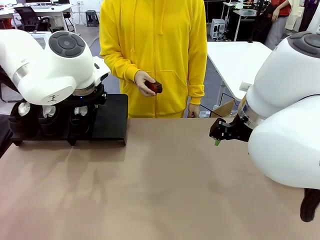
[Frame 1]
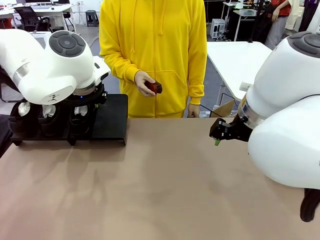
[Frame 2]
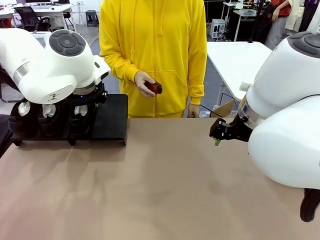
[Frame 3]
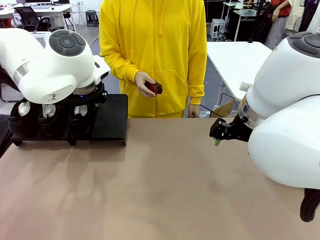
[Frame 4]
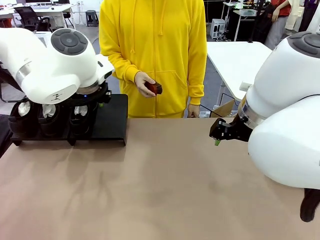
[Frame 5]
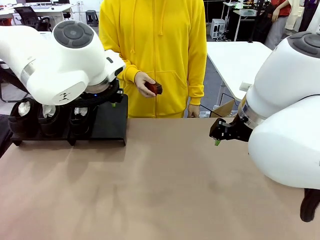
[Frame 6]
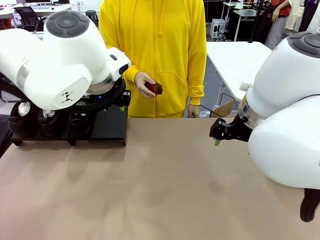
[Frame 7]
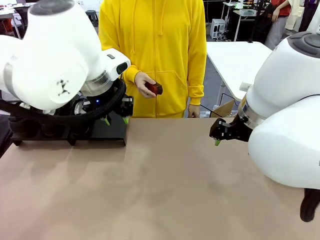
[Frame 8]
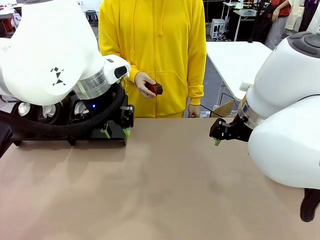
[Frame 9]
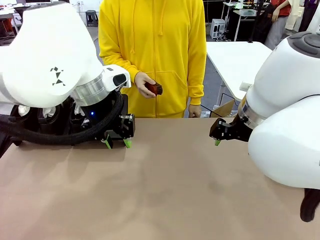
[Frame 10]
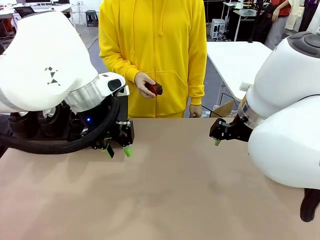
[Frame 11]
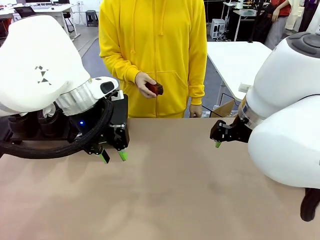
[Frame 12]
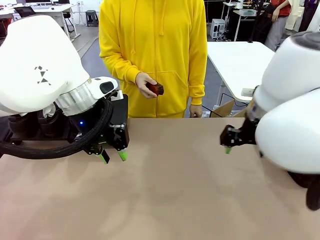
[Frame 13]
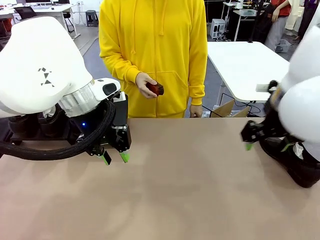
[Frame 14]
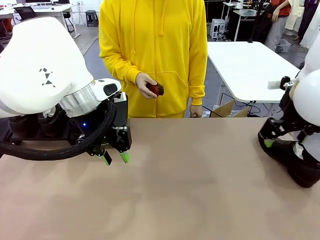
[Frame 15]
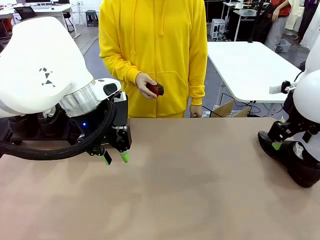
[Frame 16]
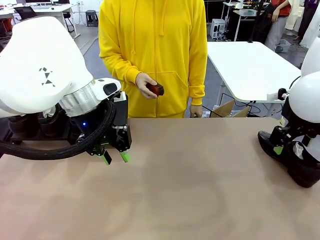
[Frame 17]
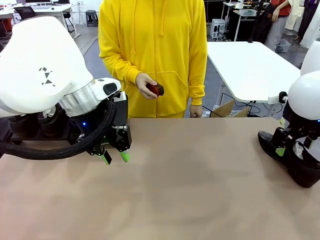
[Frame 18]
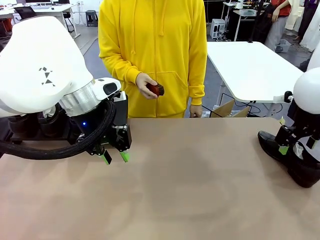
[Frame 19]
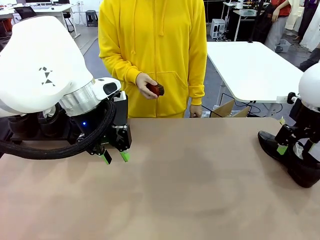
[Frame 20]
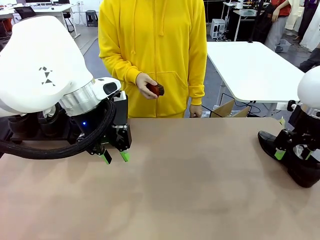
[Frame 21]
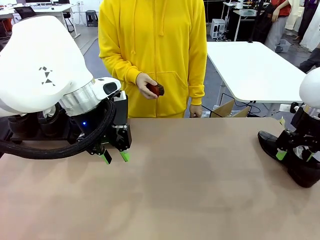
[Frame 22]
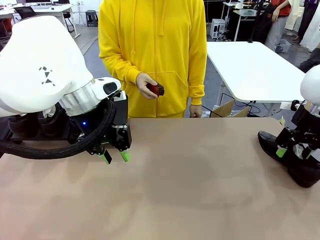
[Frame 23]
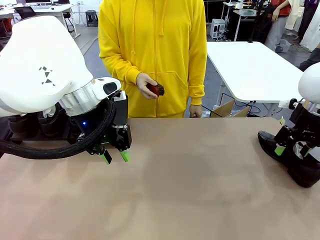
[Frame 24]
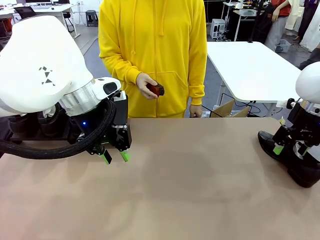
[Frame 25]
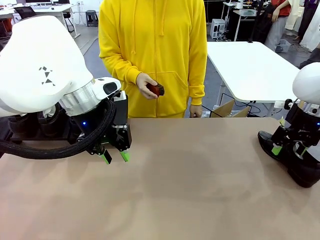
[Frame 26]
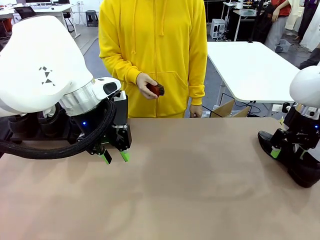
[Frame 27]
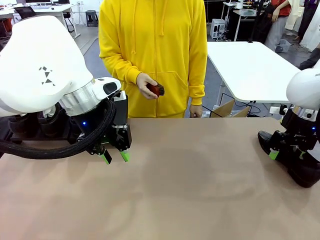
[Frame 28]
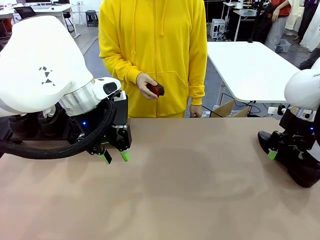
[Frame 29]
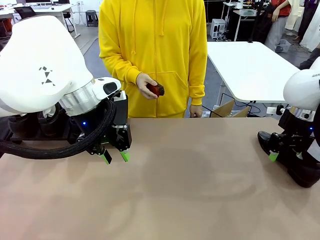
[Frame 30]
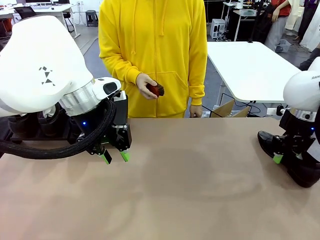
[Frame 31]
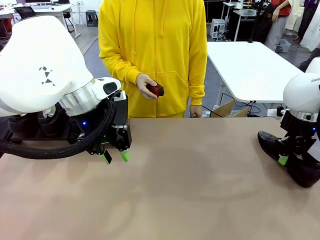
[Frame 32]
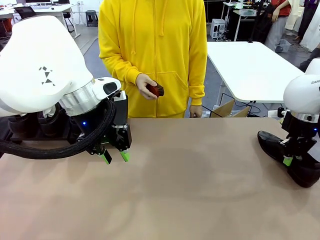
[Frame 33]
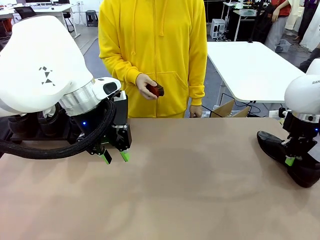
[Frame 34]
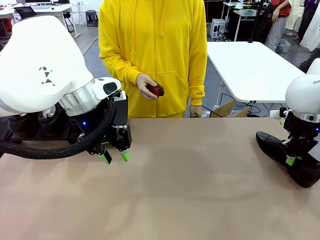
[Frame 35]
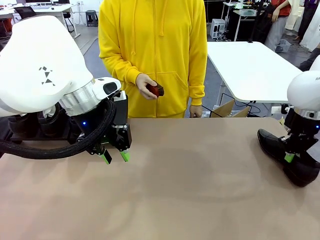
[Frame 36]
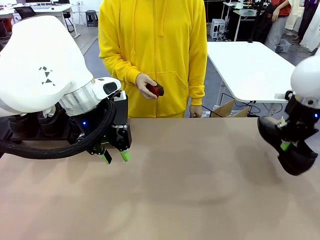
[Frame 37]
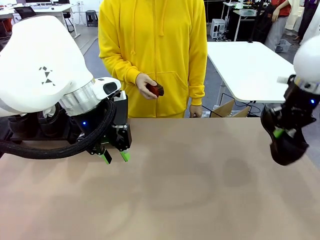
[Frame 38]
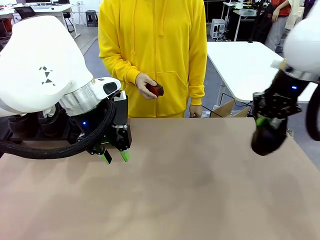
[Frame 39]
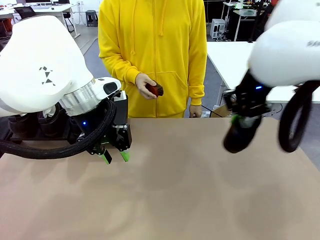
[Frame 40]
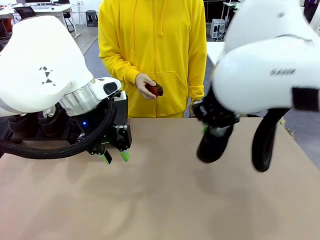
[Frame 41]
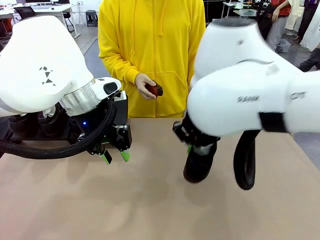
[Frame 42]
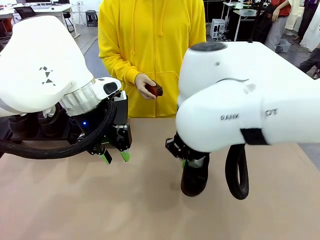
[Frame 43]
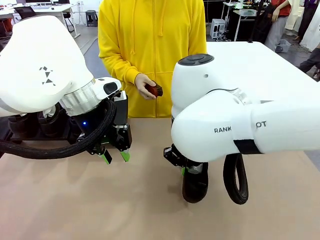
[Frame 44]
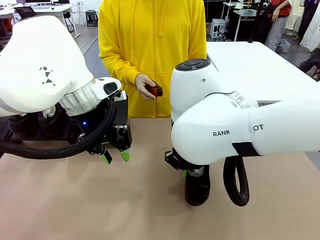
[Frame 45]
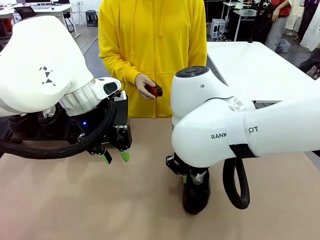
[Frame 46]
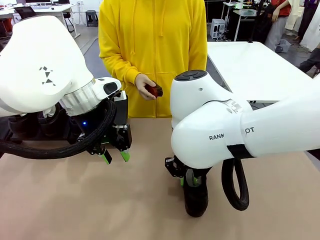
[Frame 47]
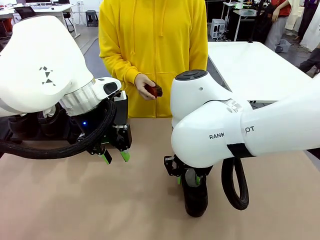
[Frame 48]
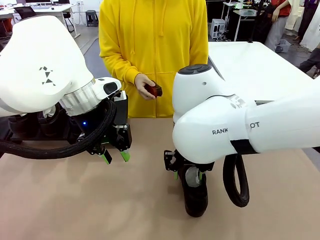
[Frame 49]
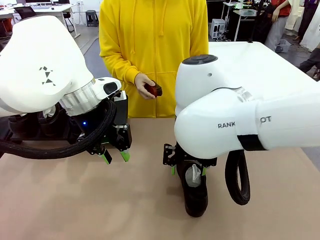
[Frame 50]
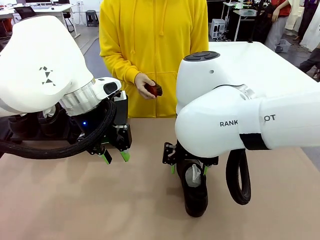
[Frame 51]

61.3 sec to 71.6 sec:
Task: Organize the shoes by placing them on the stand.
Robot: Pick up one Shoe and place it in the middle of the table.

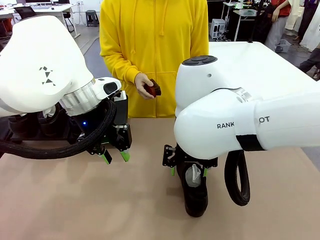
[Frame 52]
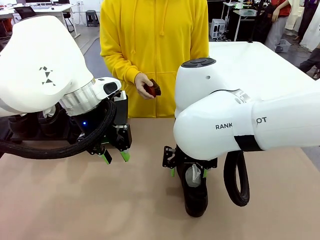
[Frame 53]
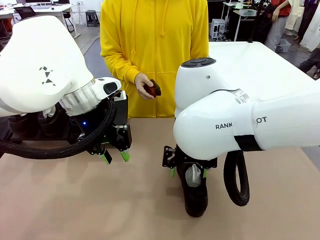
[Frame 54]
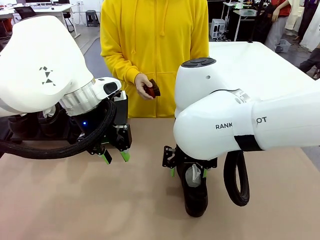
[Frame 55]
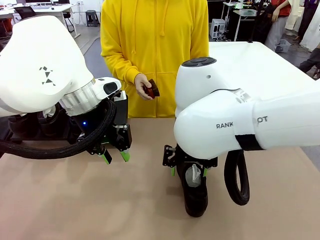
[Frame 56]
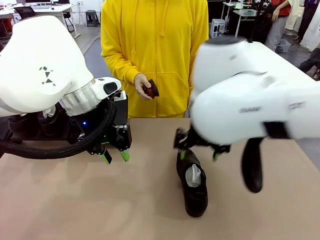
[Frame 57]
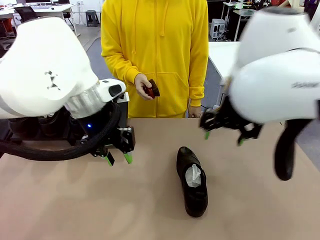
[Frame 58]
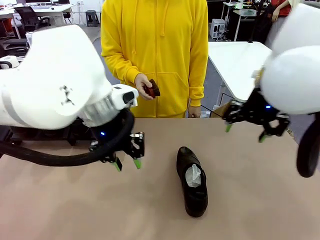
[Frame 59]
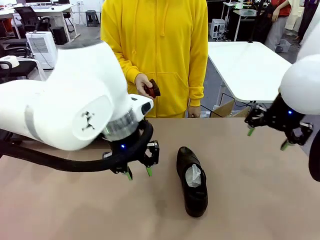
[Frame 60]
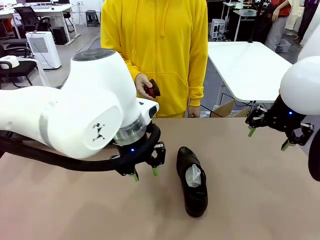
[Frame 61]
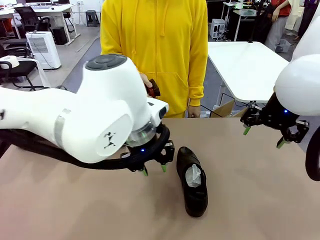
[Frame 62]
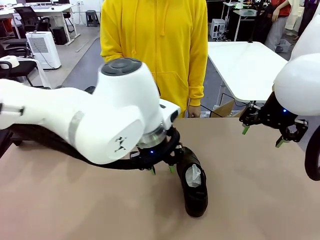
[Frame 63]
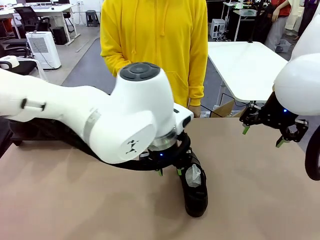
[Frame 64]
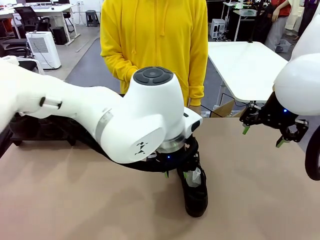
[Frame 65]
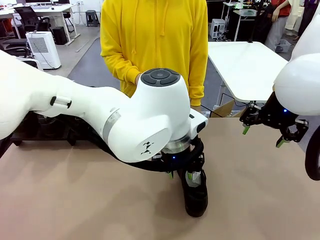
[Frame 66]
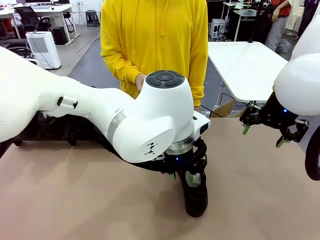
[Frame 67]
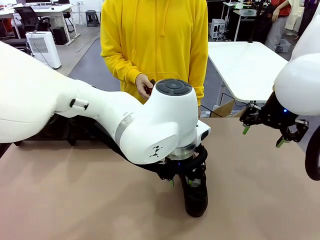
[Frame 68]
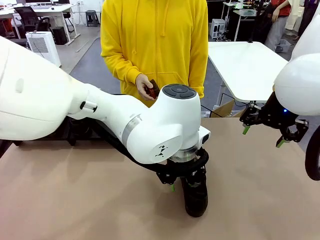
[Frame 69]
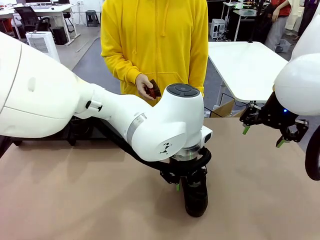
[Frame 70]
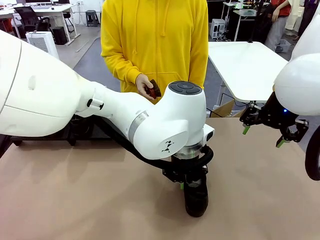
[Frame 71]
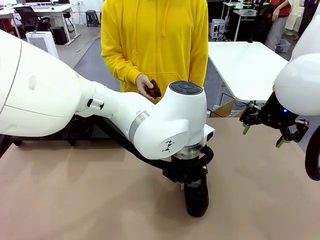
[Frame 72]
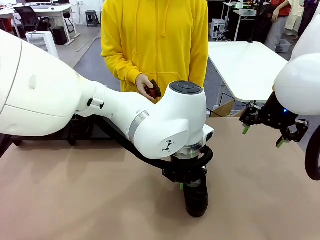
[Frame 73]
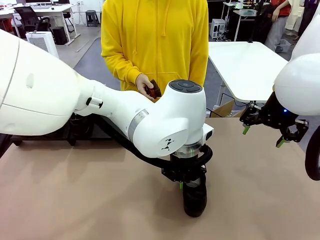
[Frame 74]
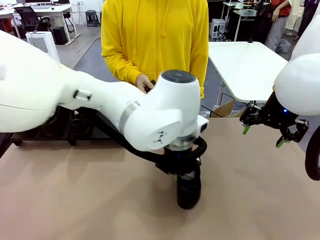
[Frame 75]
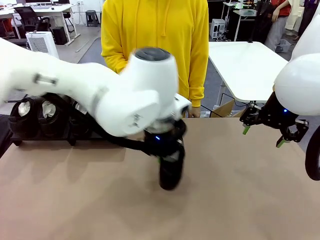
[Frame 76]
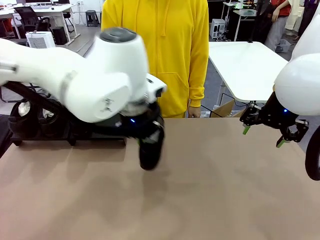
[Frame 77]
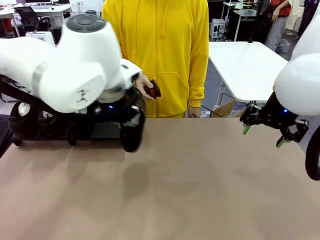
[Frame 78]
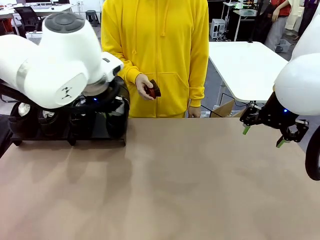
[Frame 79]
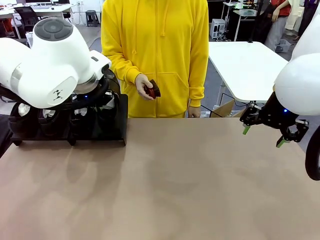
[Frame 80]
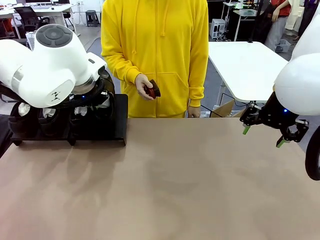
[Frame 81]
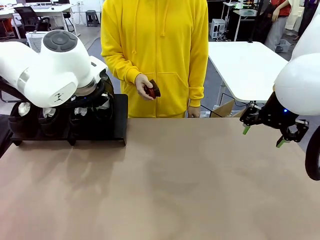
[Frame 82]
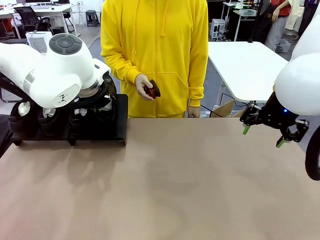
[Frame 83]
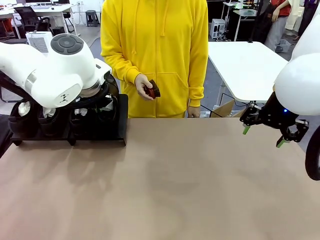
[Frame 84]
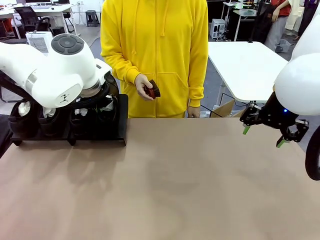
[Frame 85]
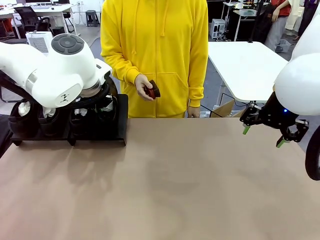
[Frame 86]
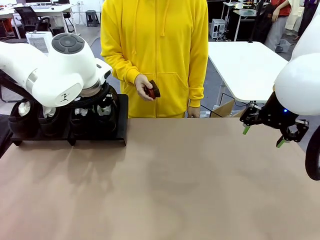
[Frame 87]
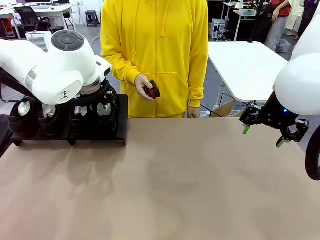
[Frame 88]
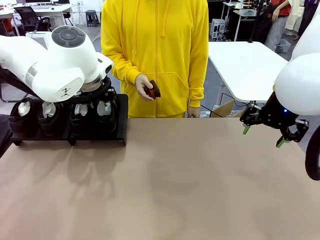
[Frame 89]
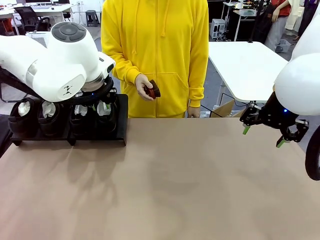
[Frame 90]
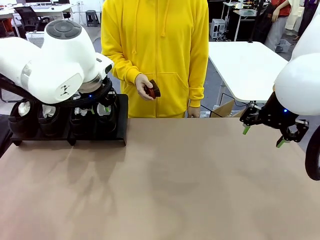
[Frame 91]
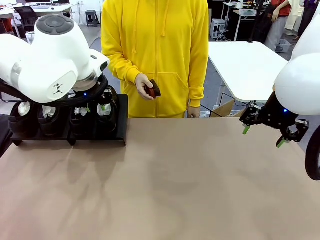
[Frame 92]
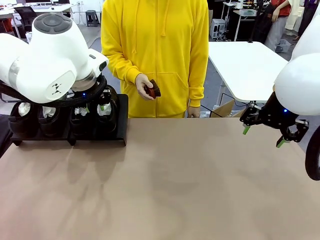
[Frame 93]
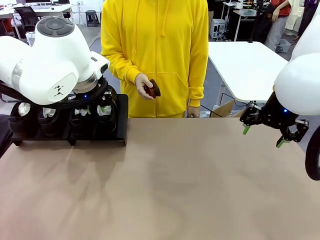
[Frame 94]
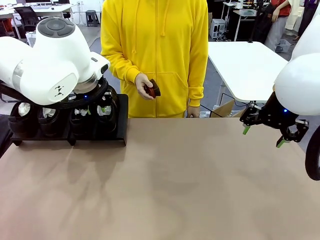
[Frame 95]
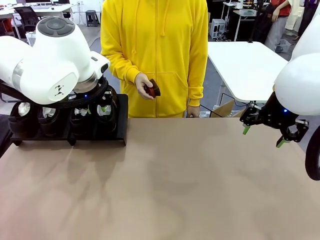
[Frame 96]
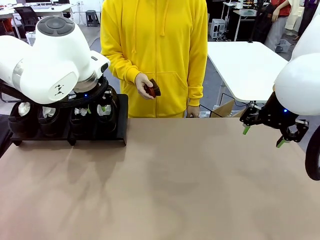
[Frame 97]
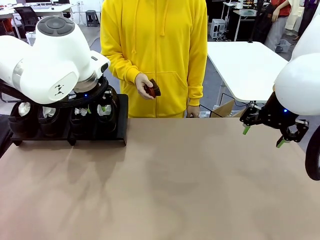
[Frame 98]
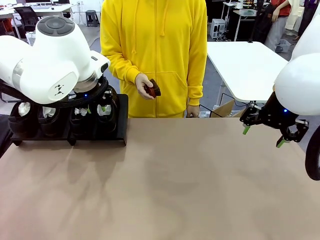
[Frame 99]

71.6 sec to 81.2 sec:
Robot: Place the Shoe from the middle of the table onto the Shoes Stand.
